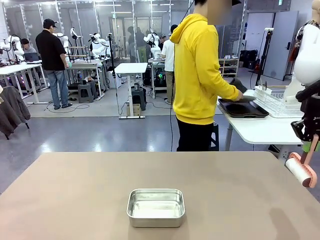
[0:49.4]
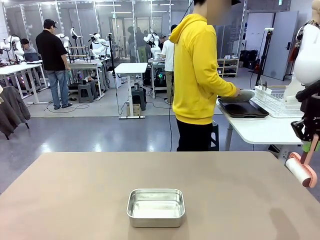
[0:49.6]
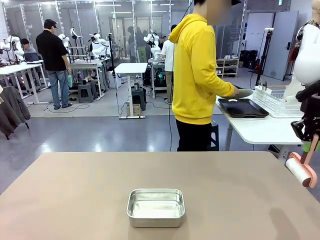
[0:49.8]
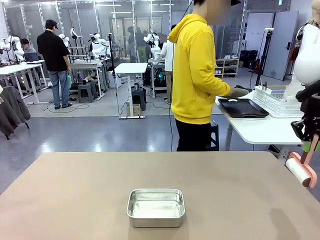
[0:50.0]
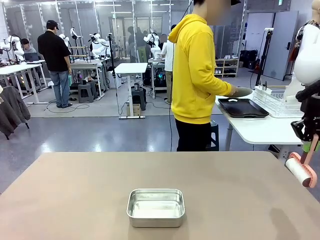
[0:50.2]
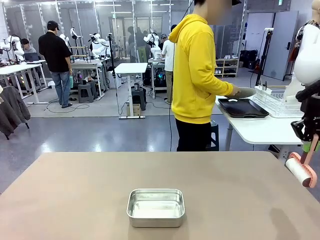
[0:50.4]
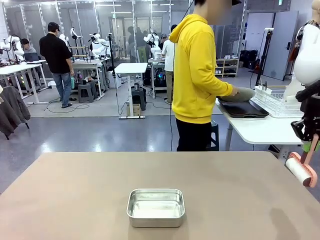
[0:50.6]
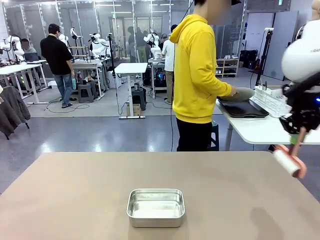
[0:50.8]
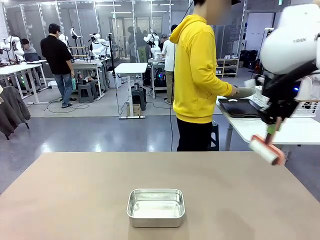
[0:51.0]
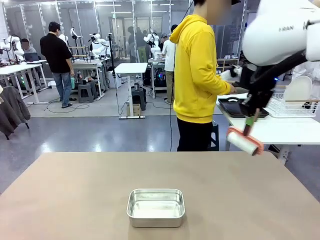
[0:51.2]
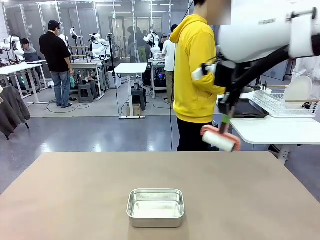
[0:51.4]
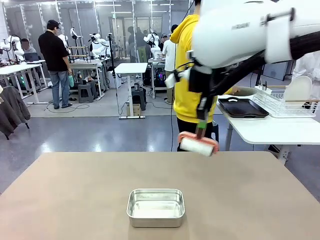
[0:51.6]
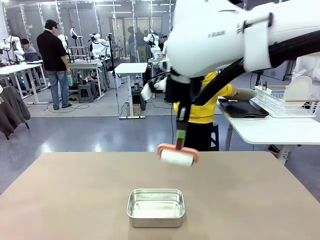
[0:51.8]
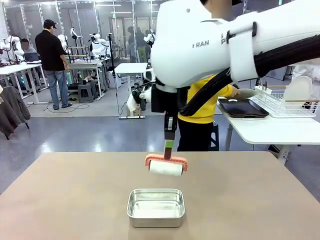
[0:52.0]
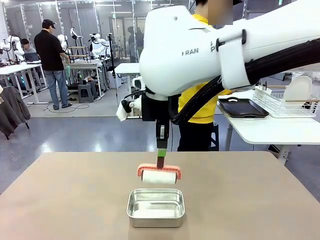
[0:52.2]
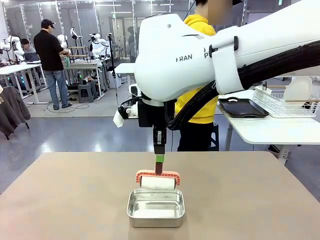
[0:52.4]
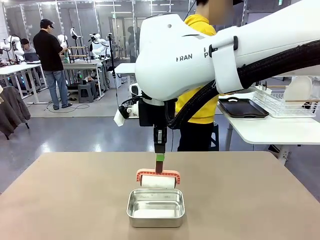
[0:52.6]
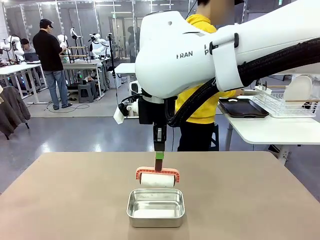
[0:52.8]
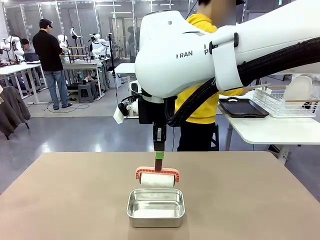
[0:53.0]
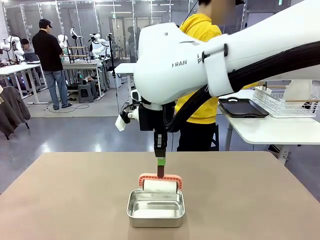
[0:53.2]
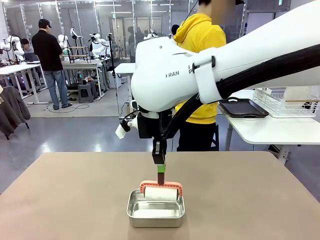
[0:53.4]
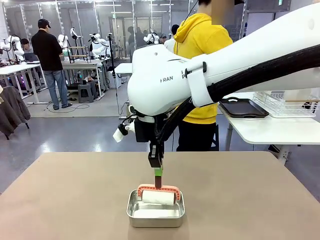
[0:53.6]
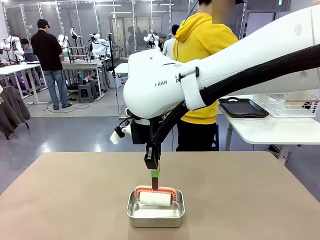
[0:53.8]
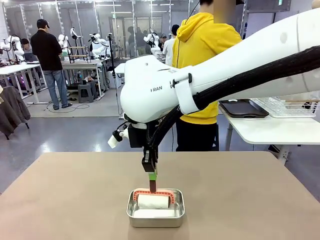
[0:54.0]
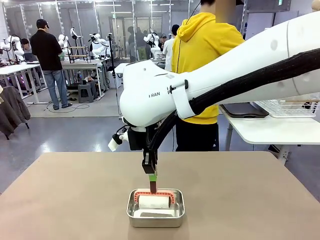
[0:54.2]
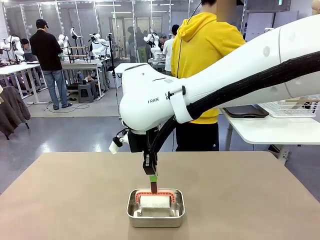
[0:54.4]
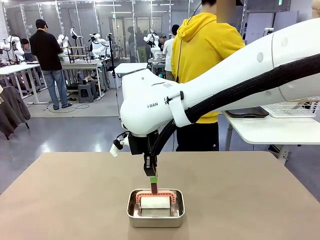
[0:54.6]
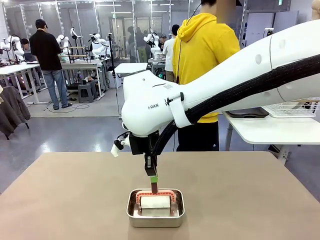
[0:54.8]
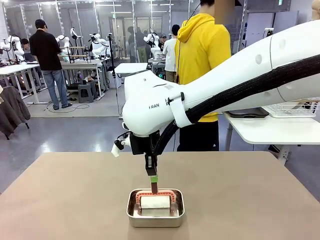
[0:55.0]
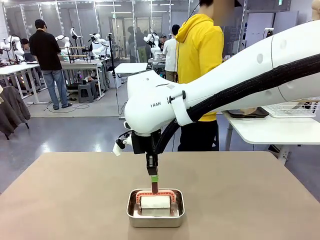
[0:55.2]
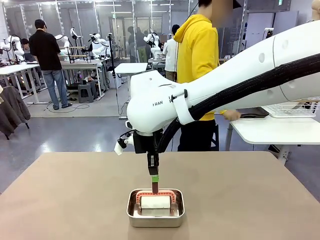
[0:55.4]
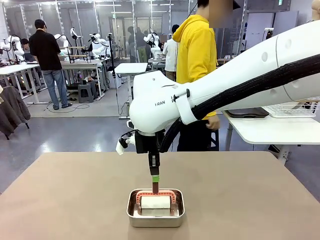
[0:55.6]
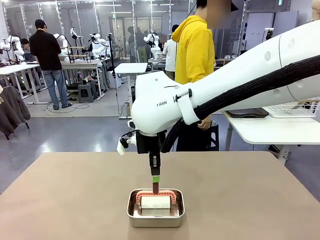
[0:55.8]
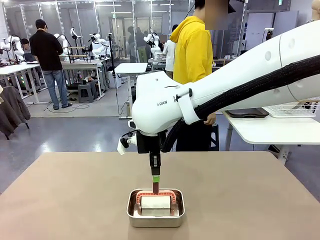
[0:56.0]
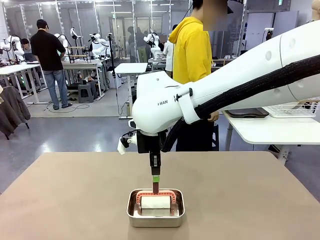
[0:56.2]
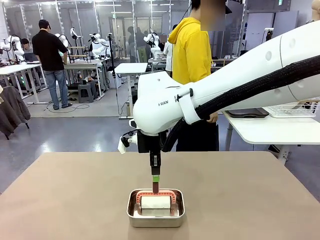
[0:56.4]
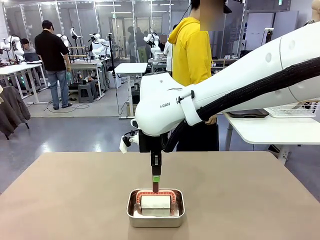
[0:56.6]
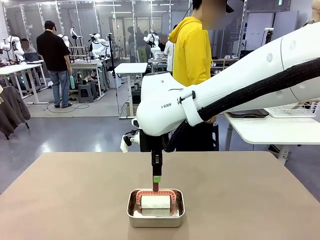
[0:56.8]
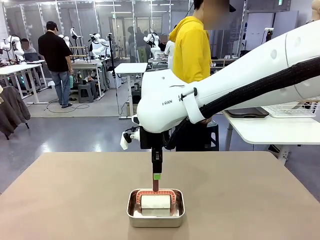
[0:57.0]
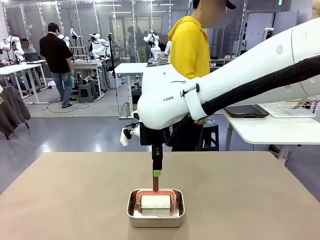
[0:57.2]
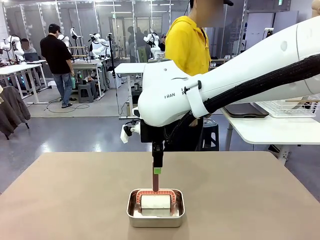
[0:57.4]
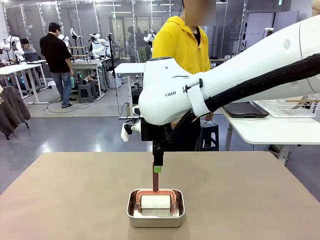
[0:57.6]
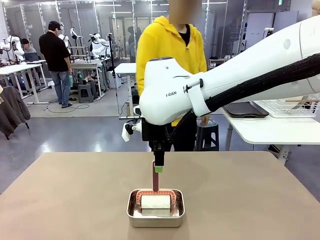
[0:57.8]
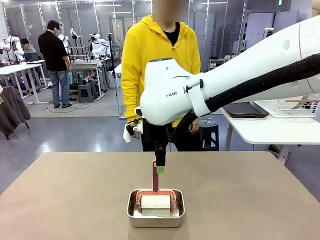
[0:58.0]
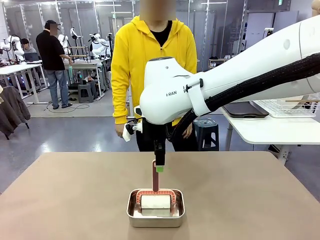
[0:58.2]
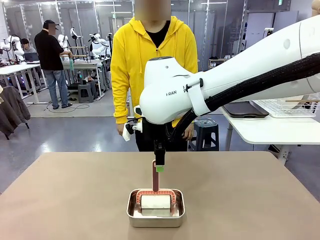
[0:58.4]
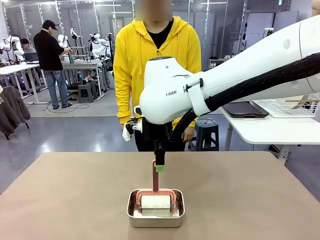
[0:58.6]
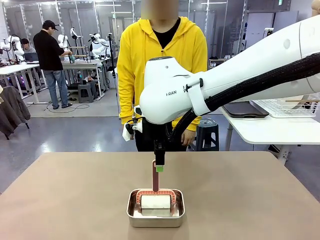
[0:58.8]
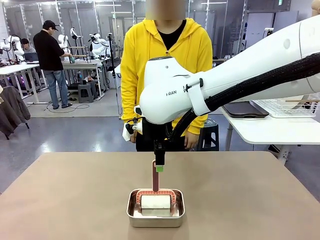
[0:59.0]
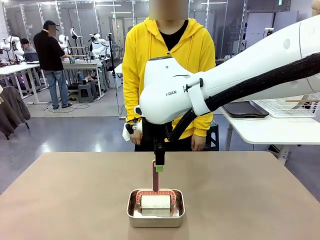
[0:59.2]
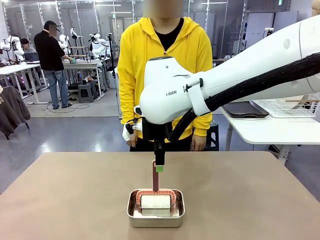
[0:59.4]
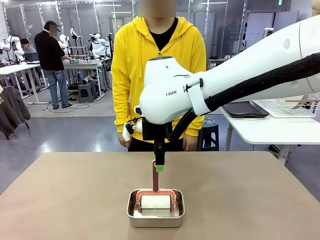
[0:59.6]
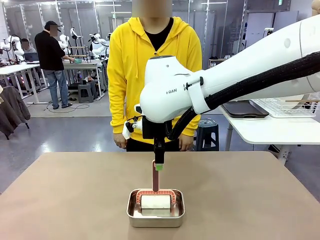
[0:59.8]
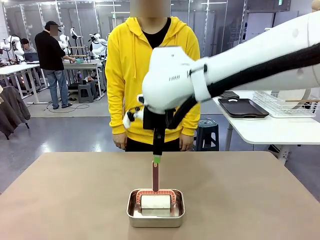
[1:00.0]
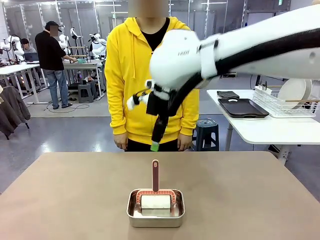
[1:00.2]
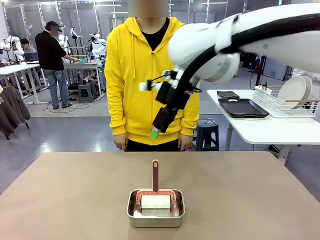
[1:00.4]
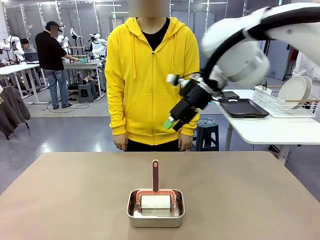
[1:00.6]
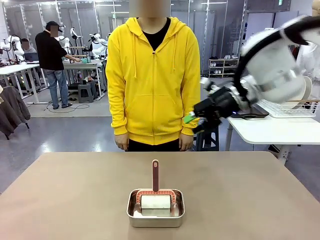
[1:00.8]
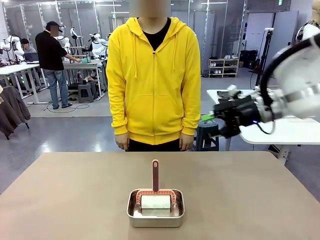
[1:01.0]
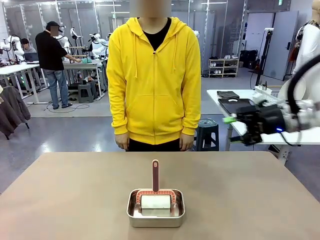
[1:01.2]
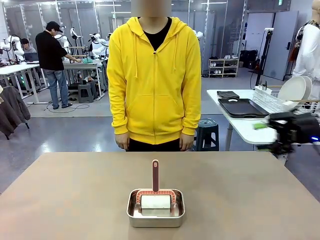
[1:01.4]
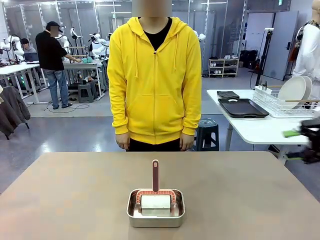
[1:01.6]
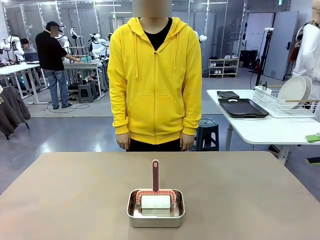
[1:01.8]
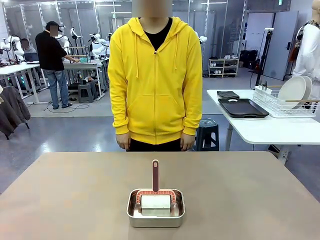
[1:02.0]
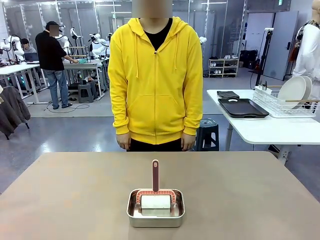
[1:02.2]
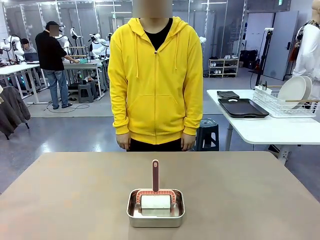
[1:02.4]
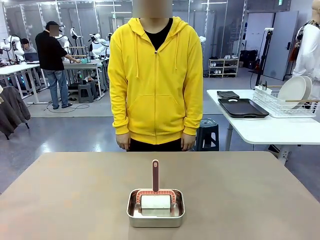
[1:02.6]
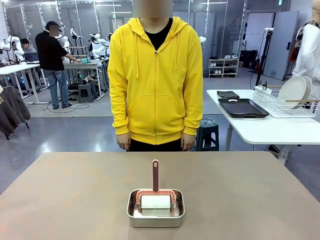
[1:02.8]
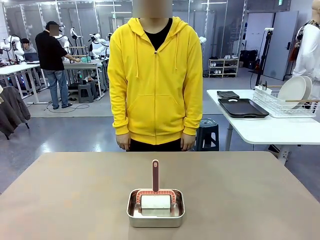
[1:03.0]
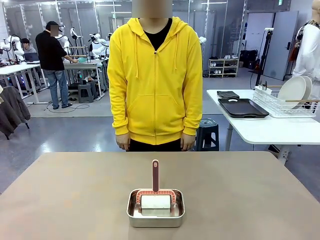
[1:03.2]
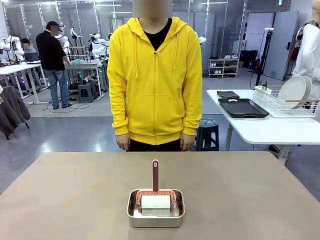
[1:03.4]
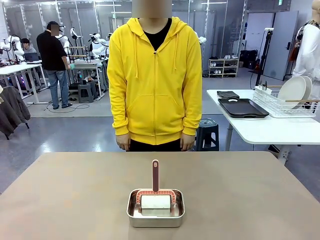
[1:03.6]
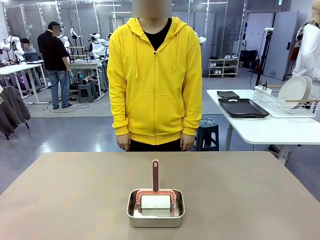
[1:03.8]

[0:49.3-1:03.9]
Robot: Place the Lint Roller back on top of the Airtight Container.
Person: Use the Towel with hook to wipe the Plastic Matte Plate , Fork , and Knife and place into the Dish drying rack.

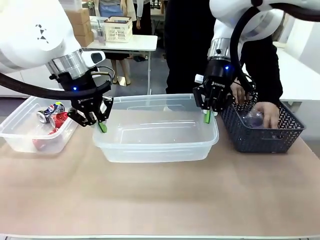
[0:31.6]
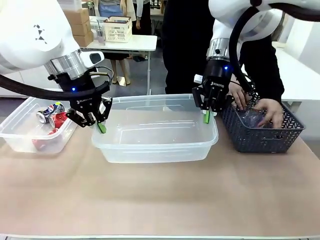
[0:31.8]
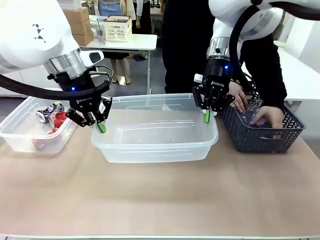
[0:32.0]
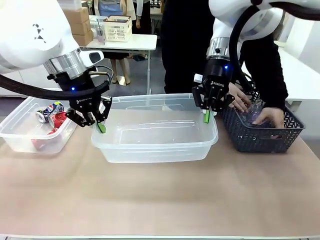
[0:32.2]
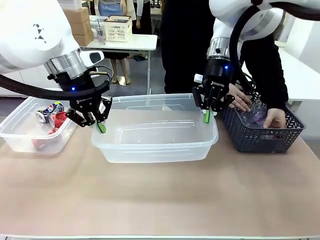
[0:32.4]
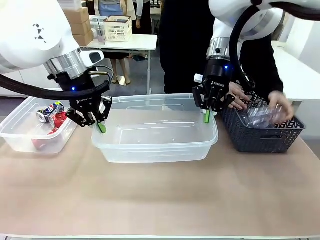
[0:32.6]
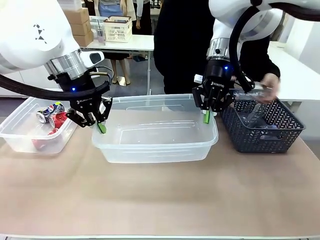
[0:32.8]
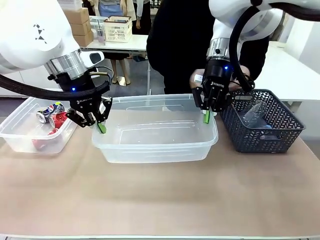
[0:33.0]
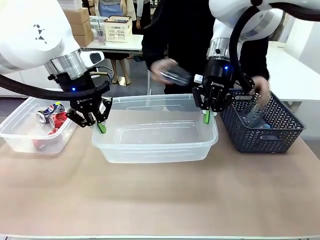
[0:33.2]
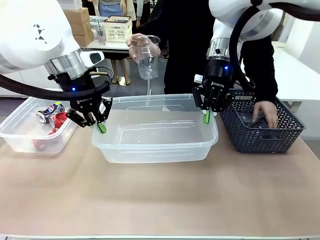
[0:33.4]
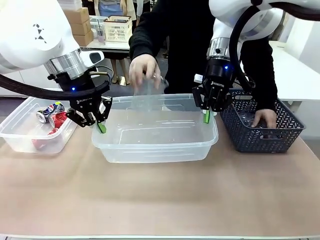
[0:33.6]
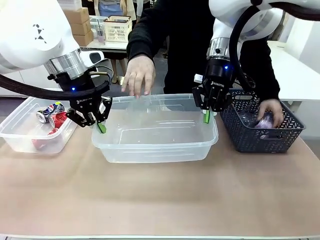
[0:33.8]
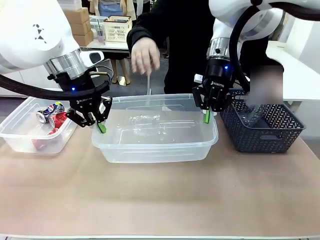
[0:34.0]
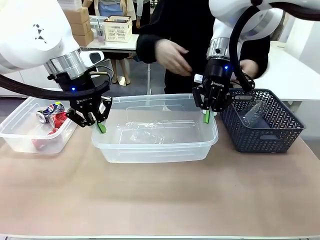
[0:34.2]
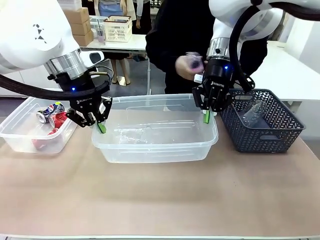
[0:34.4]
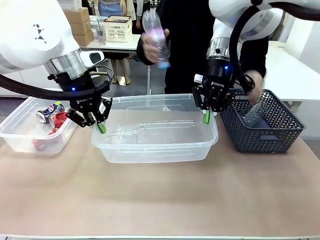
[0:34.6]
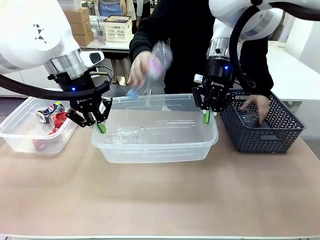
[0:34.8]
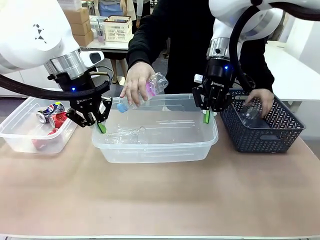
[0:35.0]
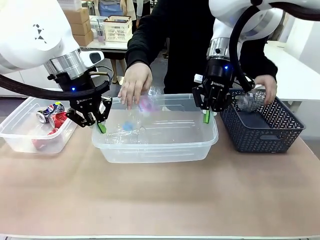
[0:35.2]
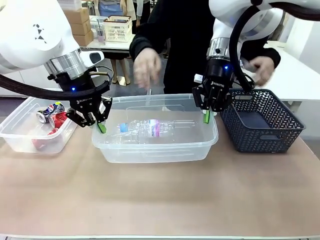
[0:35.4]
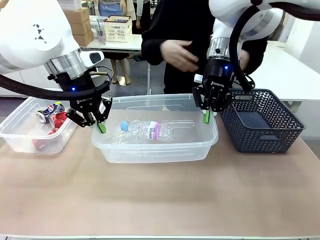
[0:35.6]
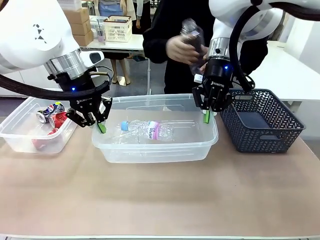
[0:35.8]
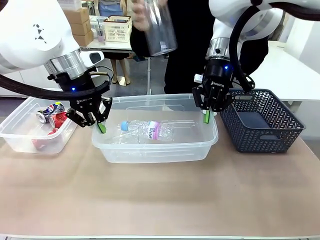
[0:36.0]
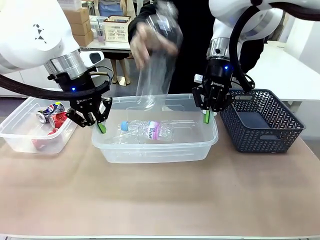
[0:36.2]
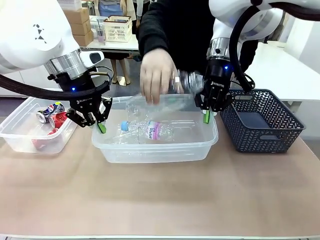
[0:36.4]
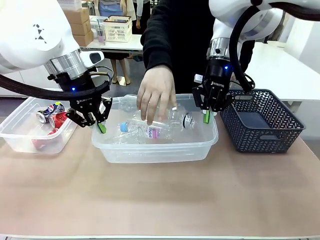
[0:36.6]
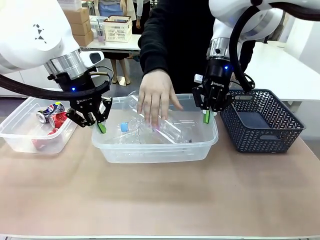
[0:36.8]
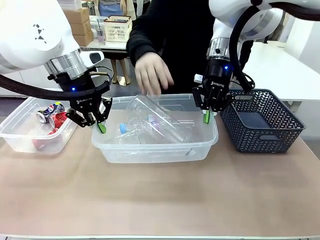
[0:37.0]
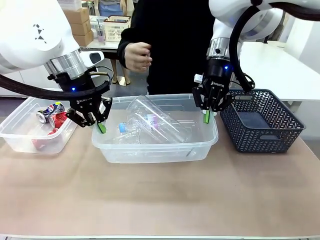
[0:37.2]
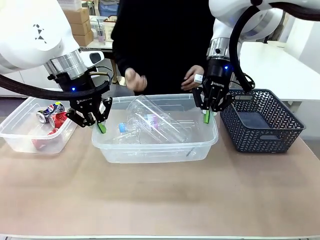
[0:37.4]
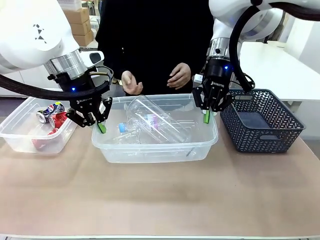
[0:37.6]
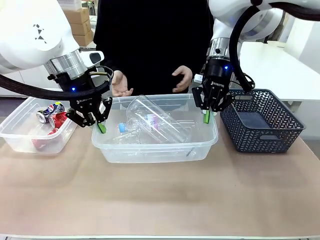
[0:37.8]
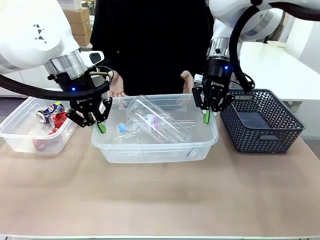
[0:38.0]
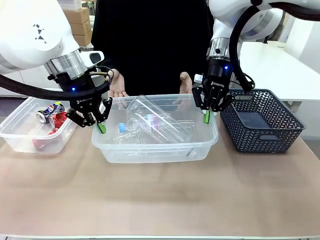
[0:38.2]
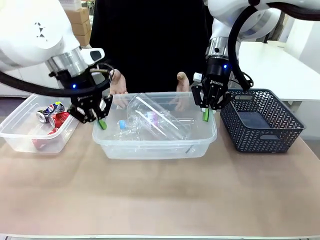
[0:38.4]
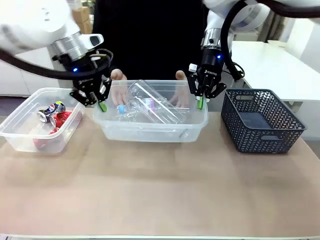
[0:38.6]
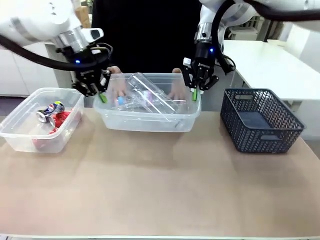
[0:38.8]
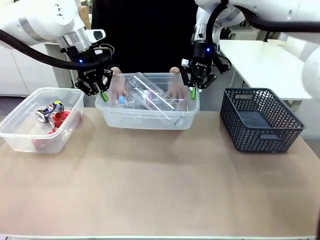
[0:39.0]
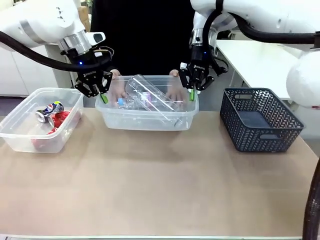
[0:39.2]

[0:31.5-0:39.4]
Robot: Offer the picked Organizing box to the human.
Person: Pick up plastic waste one by one and place it into the organizing box lifted by the robot.
